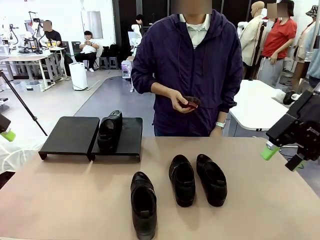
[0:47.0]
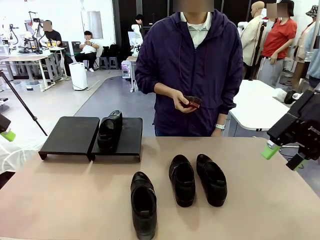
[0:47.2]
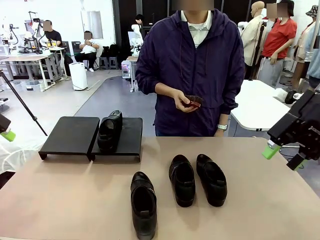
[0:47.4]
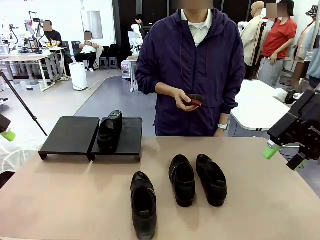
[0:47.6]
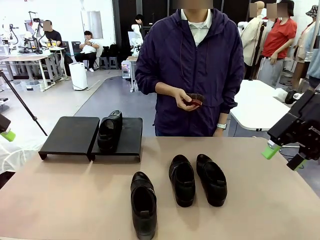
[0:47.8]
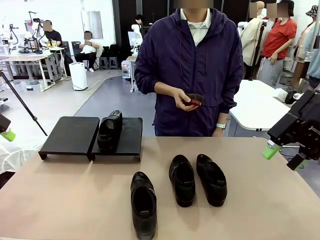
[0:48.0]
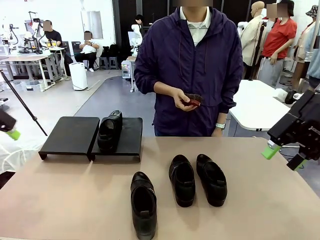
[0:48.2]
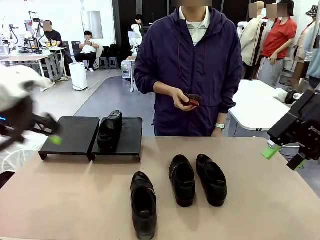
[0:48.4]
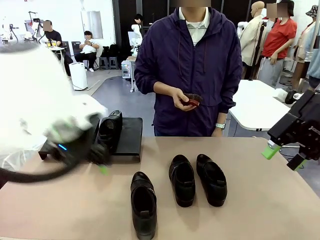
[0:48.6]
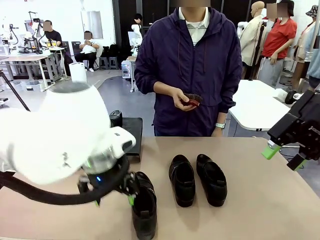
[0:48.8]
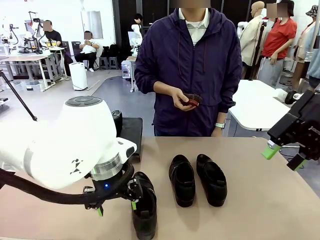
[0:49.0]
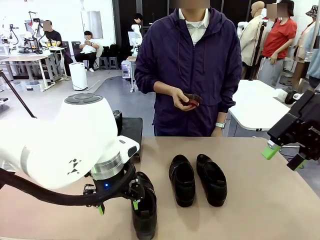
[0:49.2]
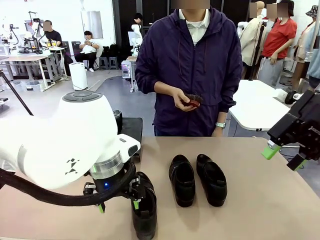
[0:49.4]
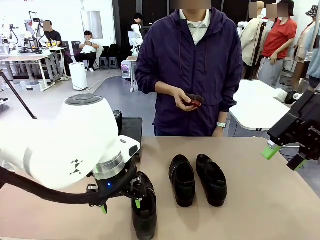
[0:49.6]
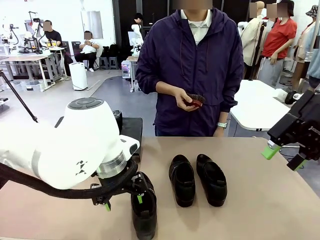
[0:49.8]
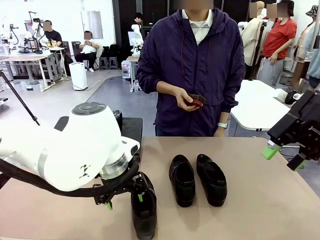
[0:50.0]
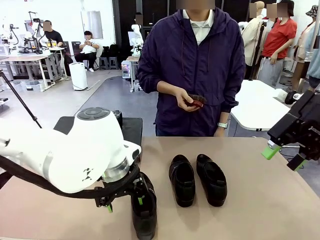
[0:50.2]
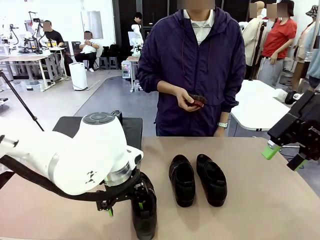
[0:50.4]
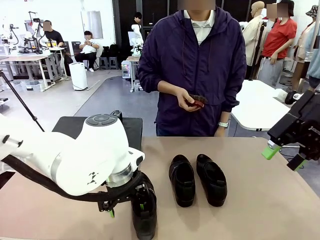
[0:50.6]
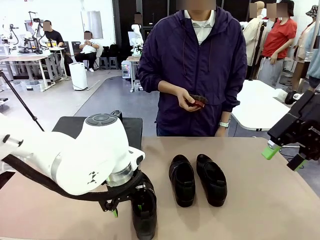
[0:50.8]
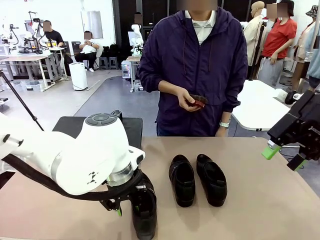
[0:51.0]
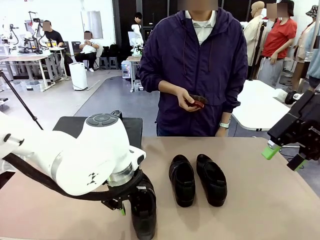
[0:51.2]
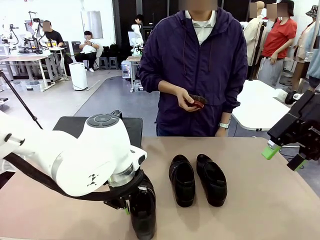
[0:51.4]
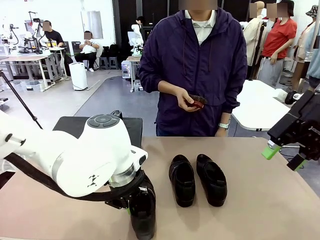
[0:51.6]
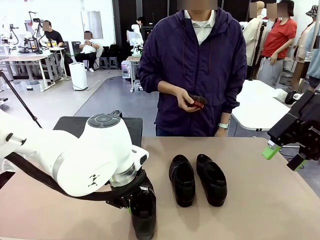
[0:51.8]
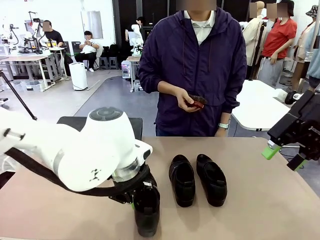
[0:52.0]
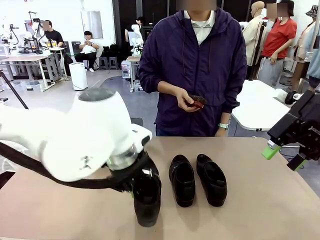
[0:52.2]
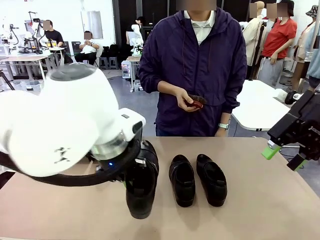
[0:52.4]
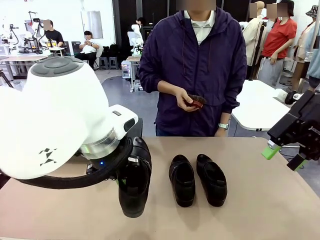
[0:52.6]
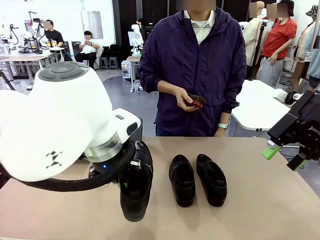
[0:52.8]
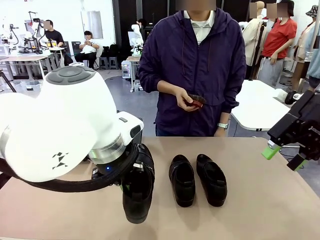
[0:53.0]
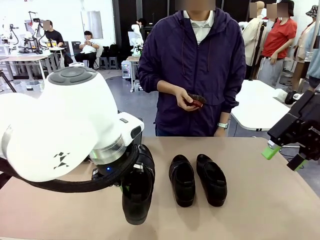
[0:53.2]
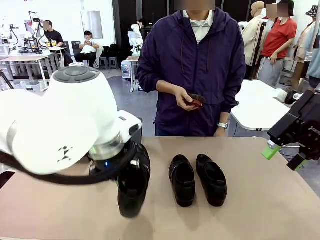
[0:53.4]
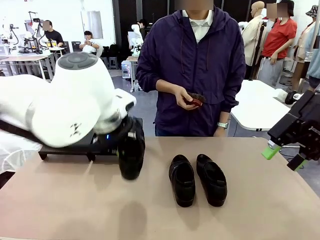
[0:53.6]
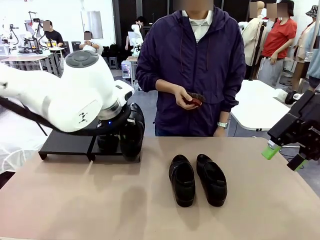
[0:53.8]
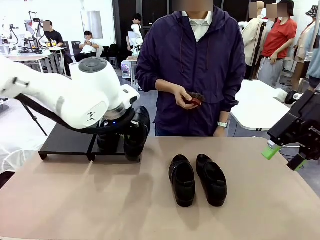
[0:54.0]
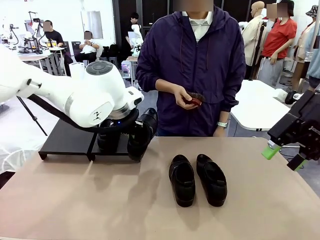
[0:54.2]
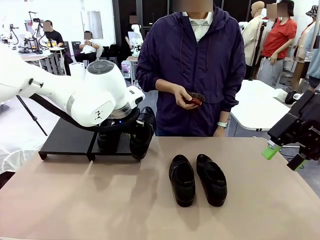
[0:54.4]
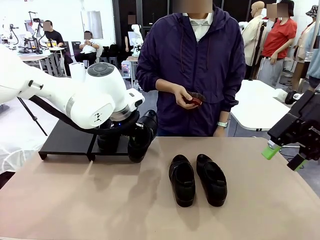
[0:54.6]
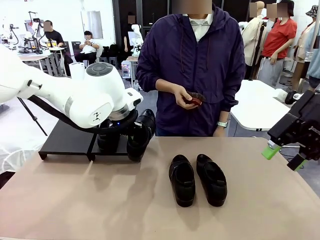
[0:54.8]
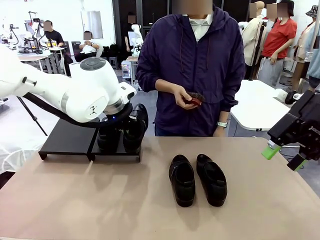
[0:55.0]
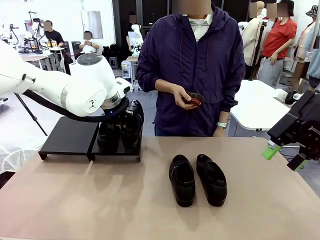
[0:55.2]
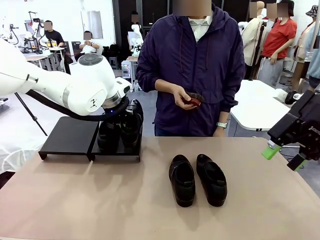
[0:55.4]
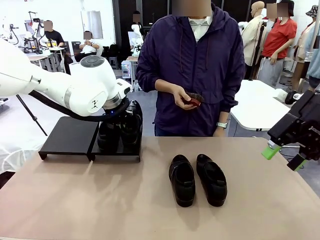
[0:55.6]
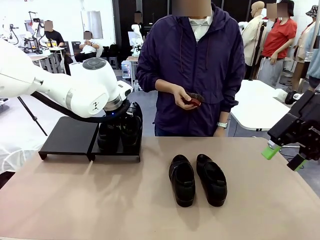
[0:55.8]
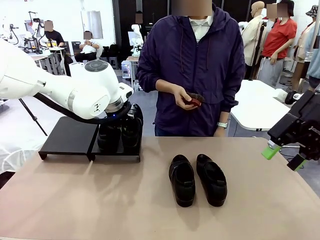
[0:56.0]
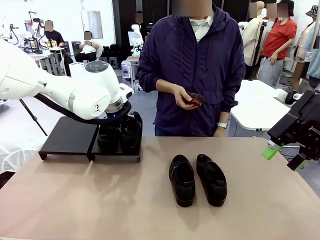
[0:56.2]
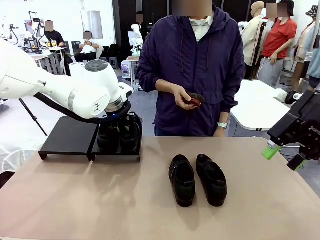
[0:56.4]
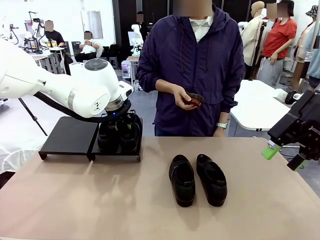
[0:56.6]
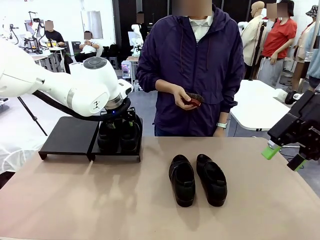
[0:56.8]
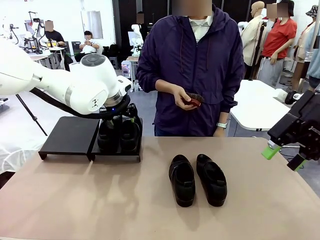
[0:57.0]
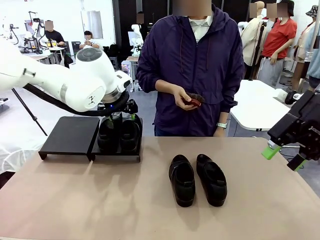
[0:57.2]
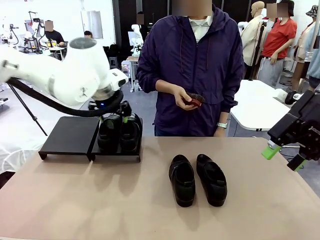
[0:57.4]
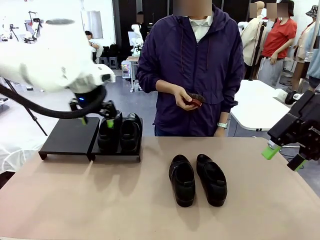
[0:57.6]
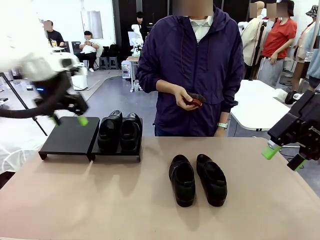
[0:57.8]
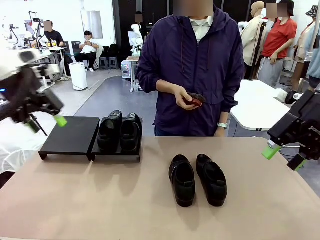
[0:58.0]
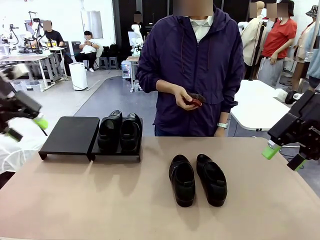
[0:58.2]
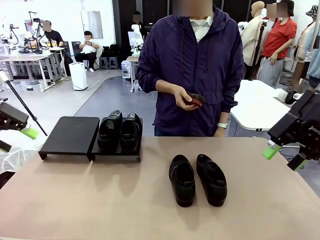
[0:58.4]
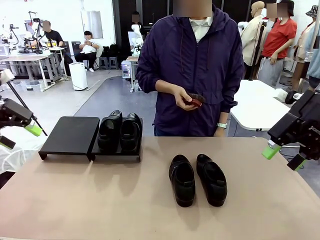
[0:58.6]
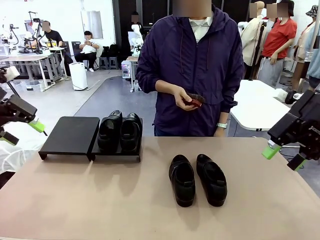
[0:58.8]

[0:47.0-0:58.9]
Task: Organize the shoes by placing them on the stand.
Robot: Place the Shoe from the middle of the table onto the Shoes Stand.

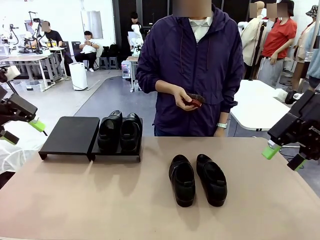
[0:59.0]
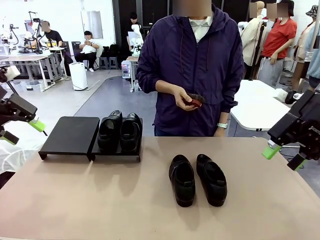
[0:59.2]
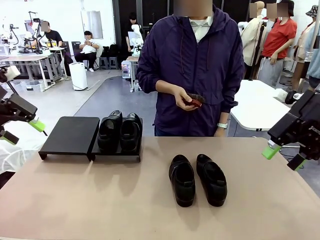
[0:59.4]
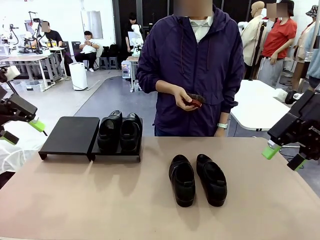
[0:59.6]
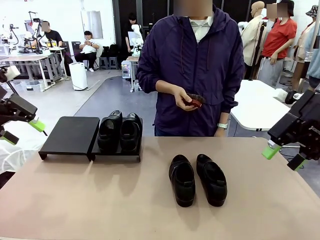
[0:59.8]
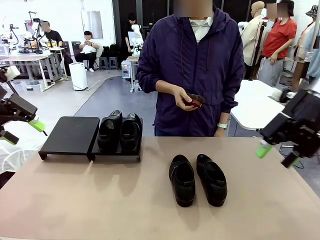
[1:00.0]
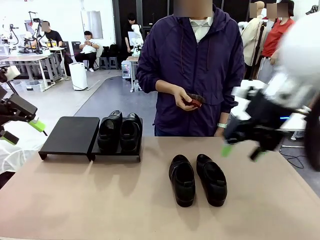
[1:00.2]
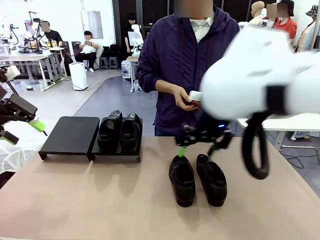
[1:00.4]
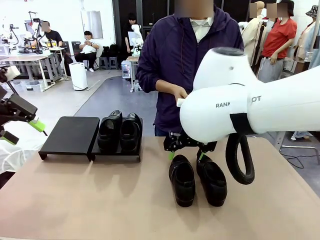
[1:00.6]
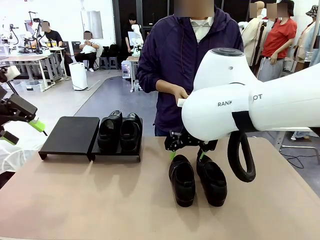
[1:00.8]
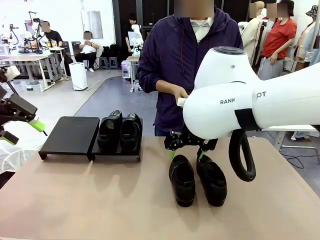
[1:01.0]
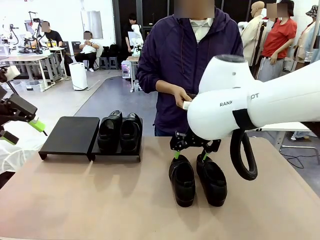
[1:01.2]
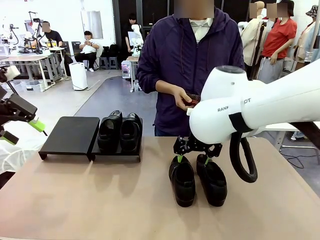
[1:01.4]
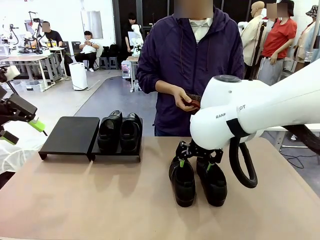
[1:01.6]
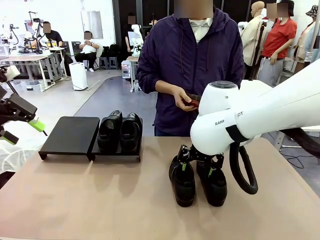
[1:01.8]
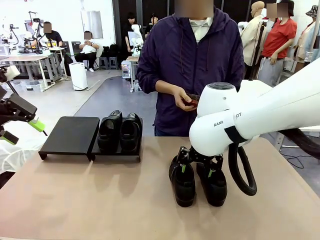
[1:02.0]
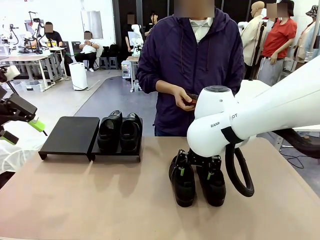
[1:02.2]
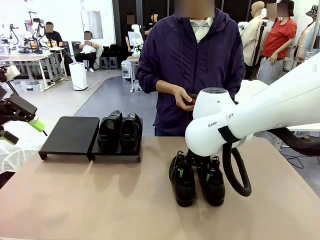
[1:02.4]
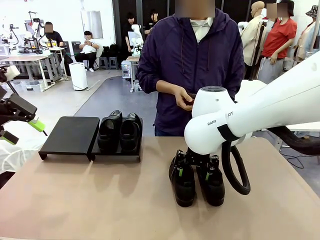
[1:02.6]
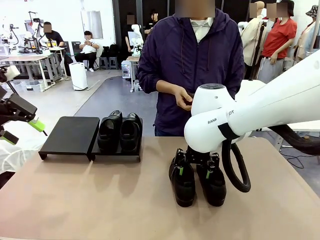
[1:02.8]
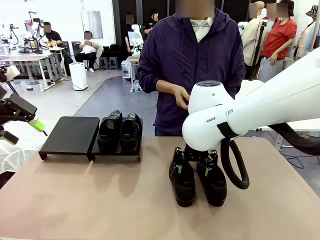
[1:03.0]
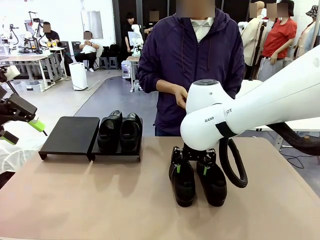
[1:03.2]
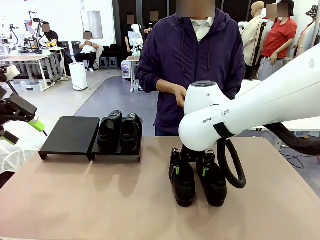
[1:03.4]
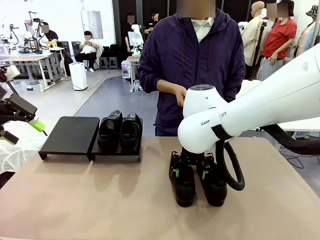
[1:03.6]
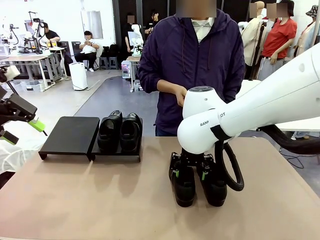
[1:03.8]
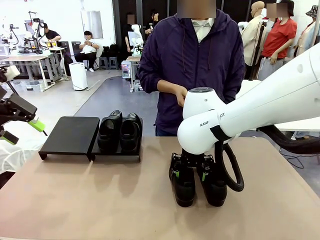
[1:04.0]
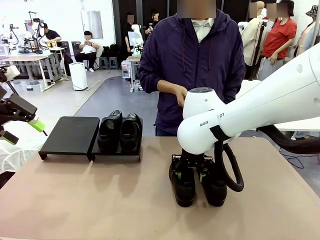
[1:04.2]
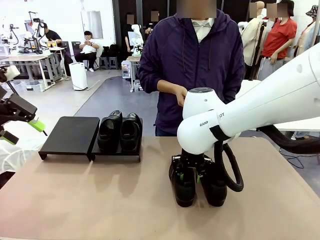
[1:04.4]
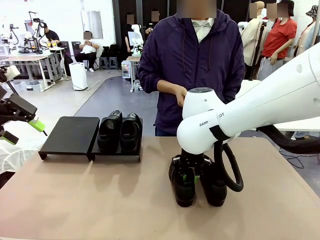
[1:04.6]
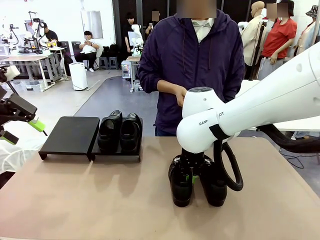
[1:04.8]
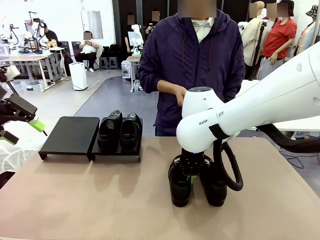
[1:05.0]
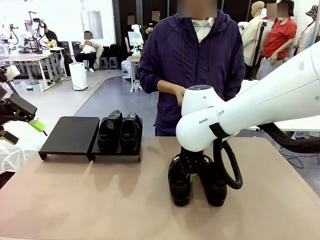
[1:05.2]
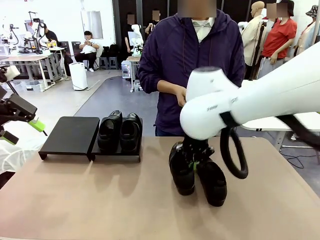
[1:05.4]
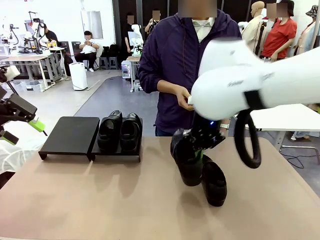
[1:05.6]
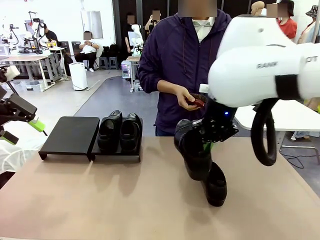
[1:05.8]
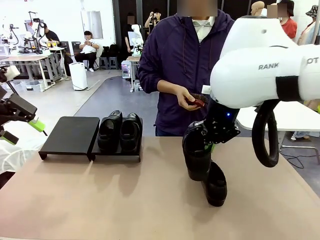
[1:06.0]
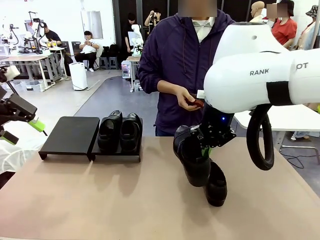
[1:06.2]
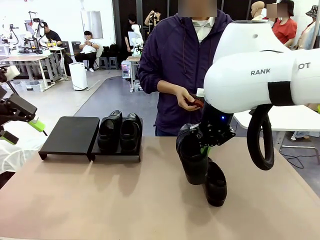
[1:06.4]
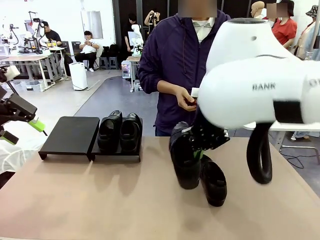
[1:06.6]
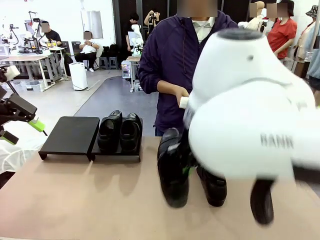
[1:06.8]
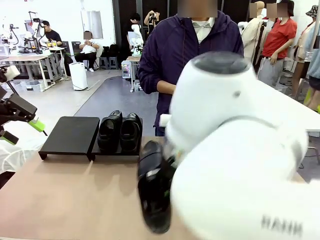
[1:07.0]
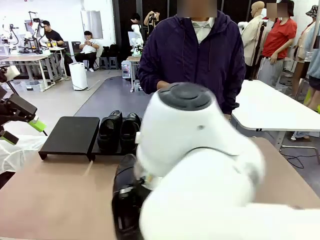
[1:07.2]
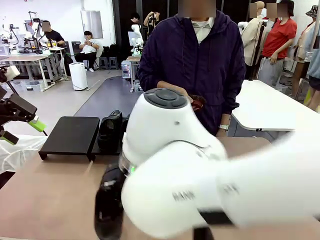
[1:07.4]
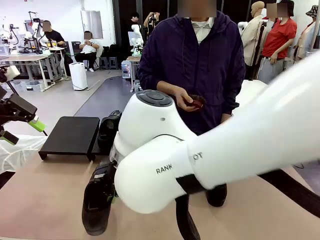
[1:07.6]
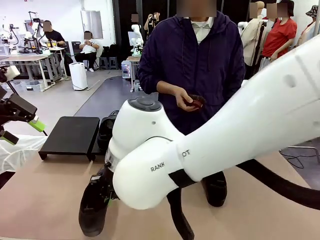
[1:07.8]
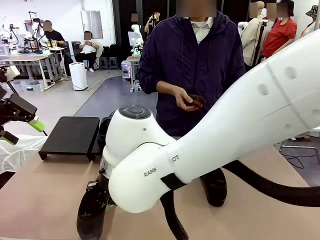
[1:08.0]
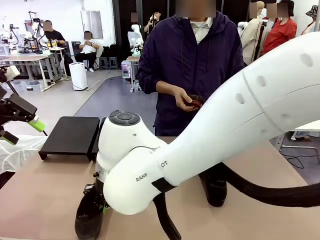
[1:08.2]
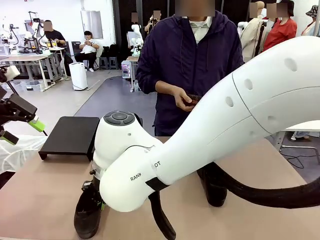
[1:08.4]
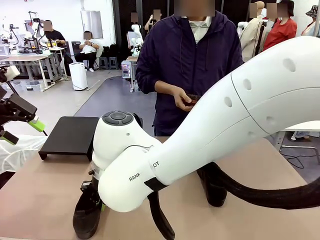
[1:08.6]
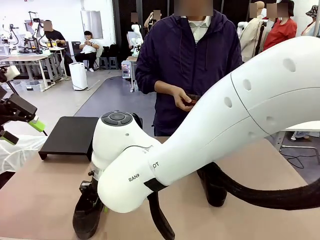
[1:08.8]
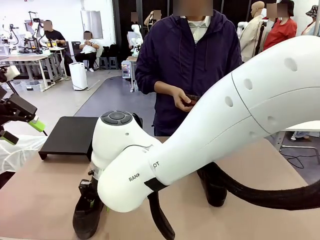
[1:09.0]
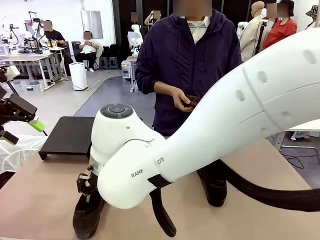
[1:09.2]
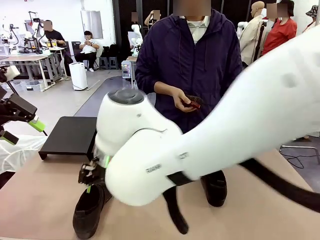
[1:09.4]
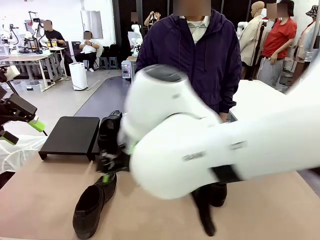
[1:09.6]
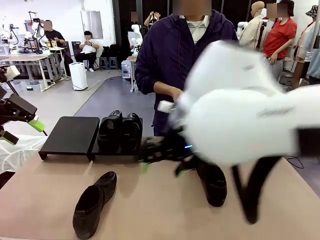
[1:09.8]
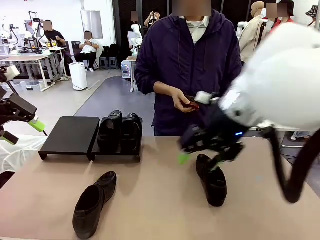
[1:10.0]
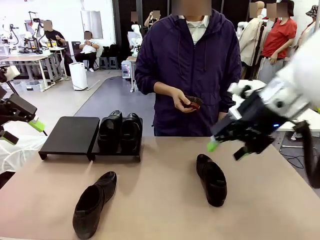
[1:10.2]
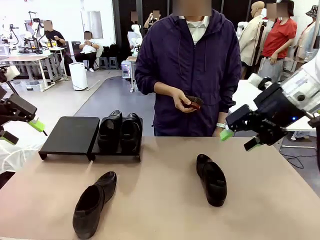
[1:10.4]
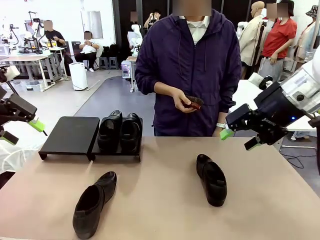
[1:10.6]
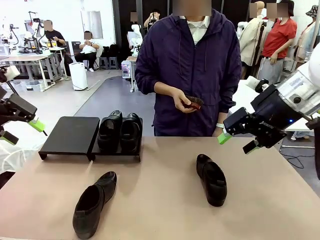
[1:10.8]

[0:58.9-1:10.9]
Robot: Pick up one Shoe and place it in the middle of the table.
